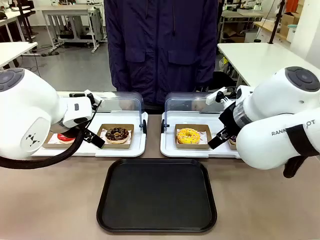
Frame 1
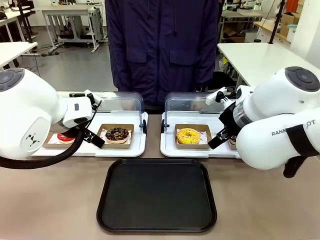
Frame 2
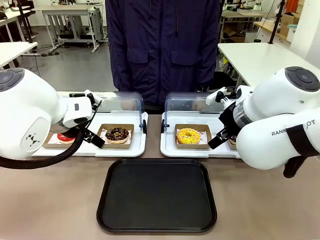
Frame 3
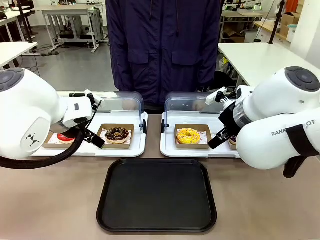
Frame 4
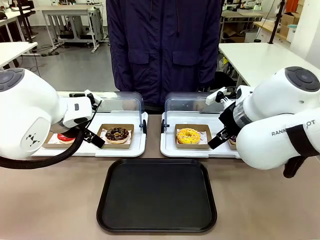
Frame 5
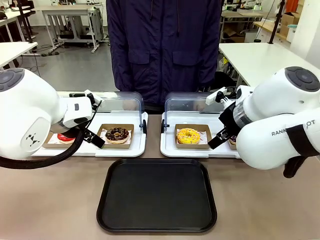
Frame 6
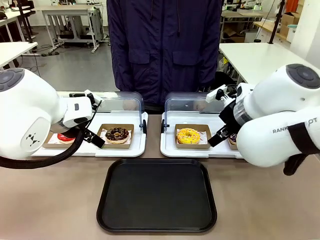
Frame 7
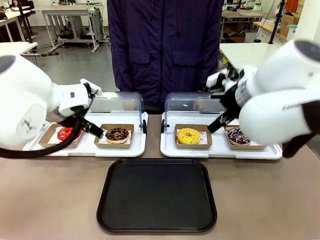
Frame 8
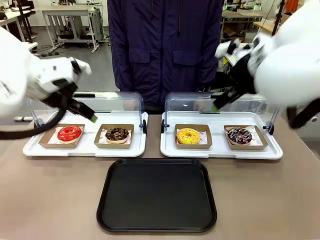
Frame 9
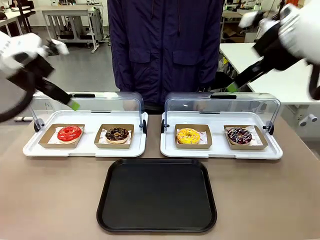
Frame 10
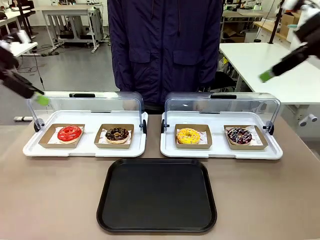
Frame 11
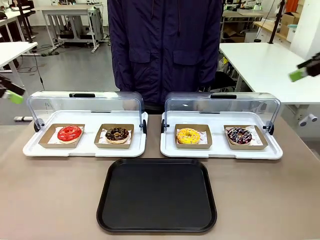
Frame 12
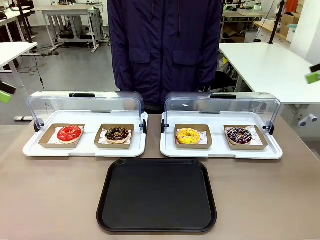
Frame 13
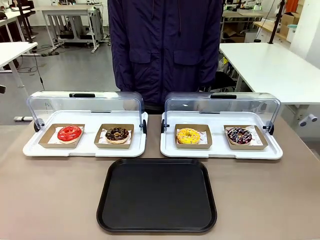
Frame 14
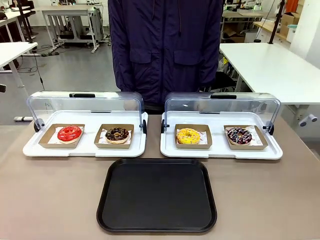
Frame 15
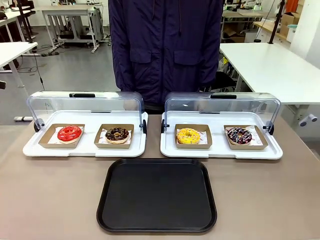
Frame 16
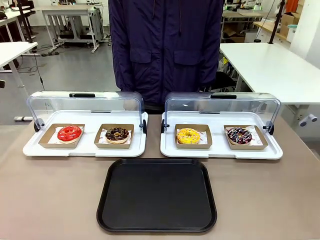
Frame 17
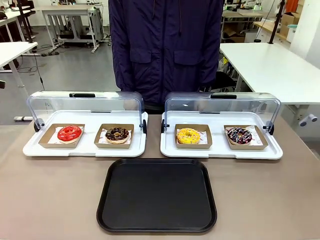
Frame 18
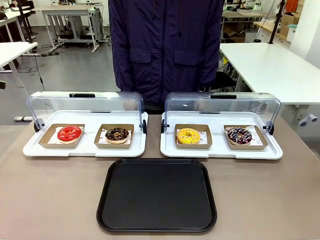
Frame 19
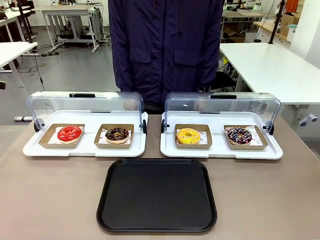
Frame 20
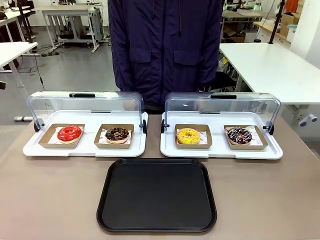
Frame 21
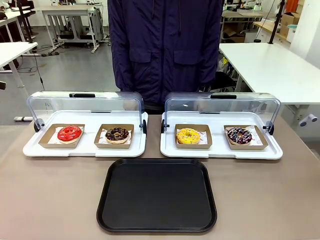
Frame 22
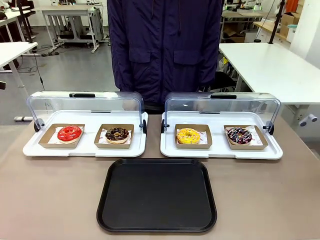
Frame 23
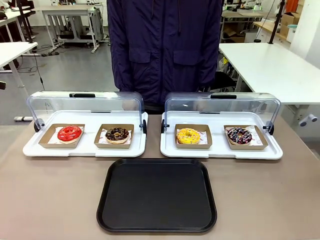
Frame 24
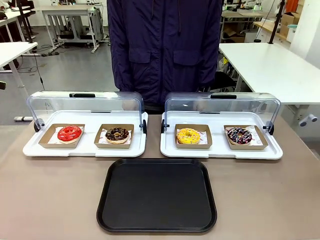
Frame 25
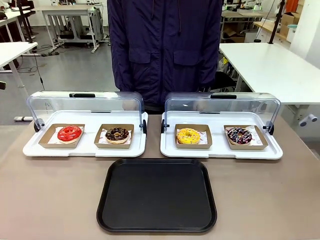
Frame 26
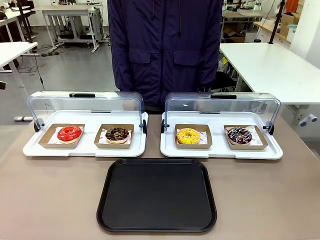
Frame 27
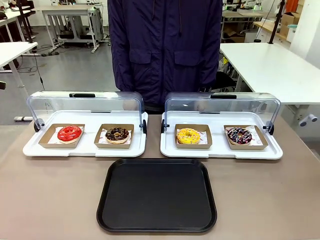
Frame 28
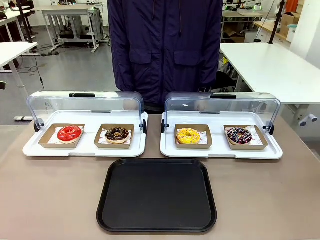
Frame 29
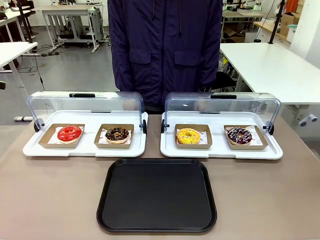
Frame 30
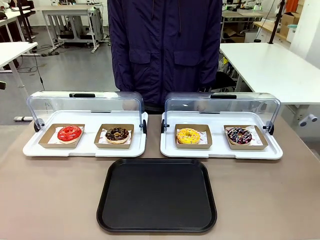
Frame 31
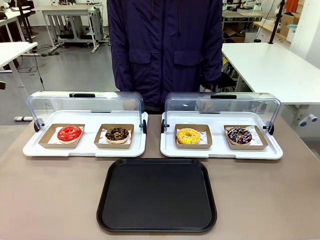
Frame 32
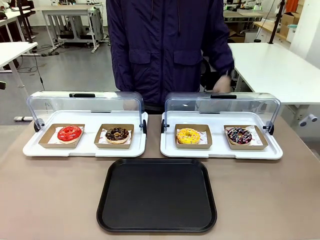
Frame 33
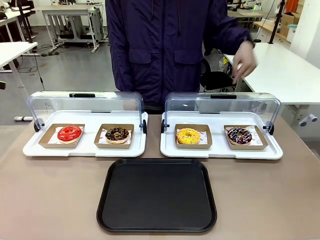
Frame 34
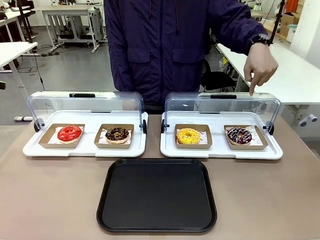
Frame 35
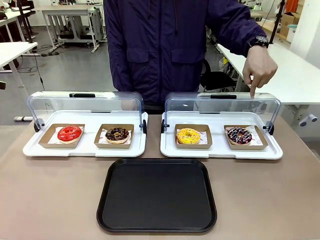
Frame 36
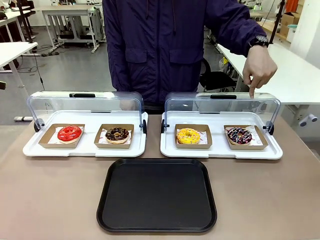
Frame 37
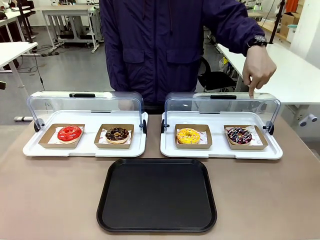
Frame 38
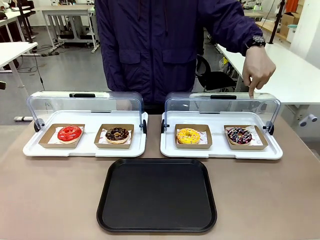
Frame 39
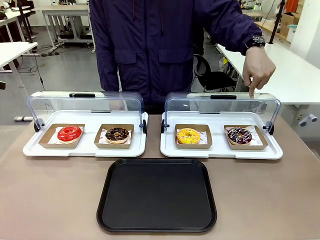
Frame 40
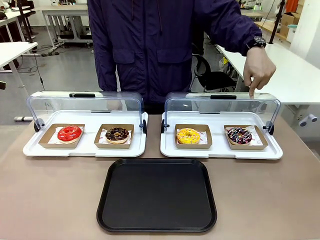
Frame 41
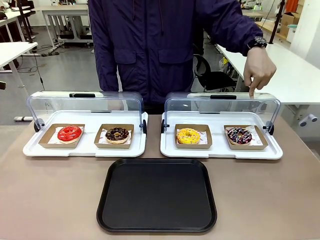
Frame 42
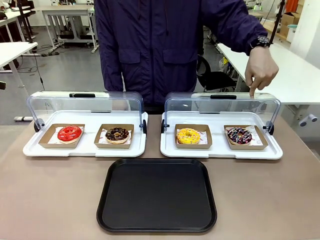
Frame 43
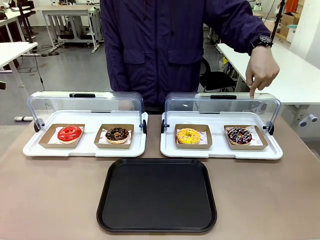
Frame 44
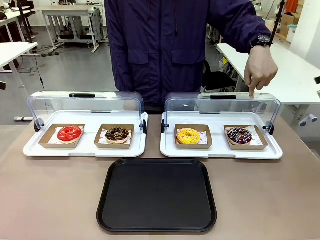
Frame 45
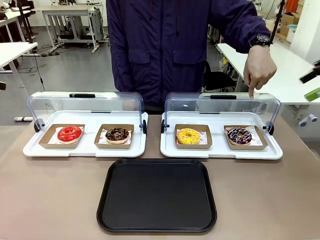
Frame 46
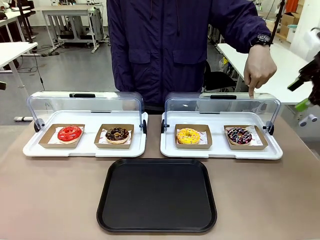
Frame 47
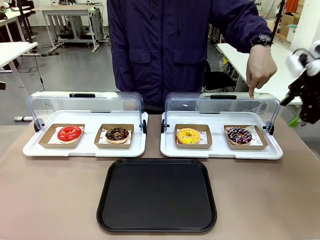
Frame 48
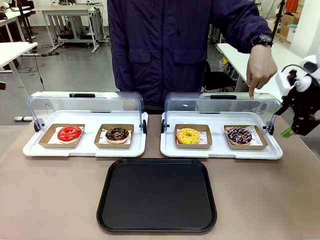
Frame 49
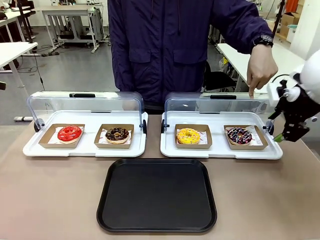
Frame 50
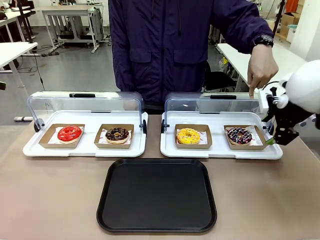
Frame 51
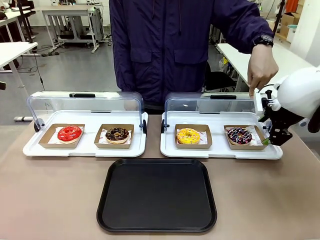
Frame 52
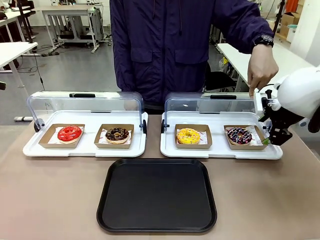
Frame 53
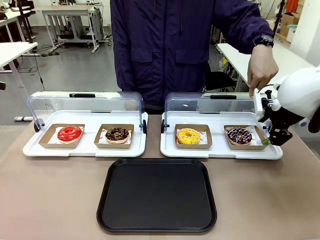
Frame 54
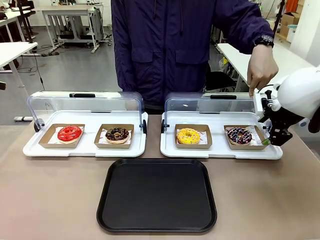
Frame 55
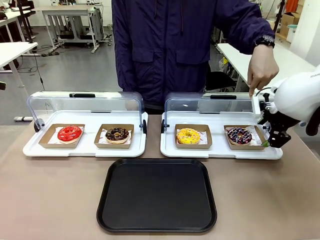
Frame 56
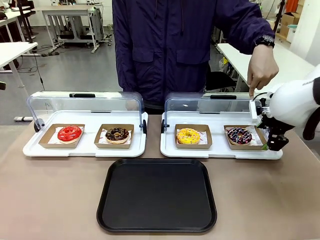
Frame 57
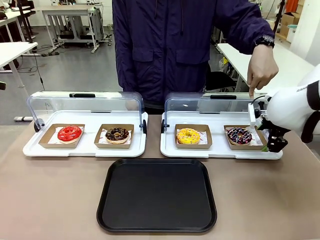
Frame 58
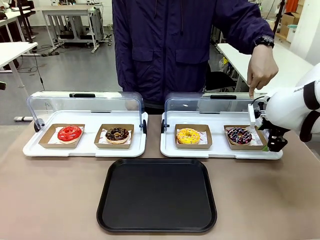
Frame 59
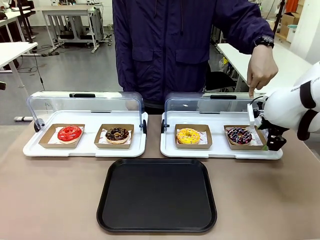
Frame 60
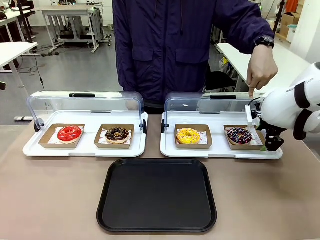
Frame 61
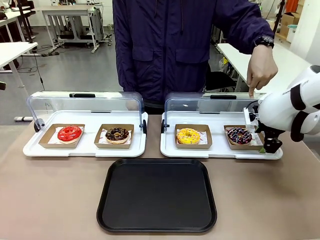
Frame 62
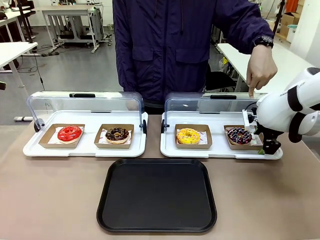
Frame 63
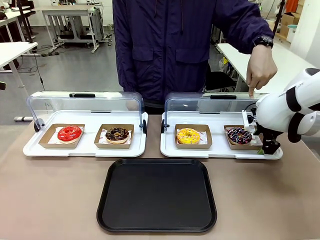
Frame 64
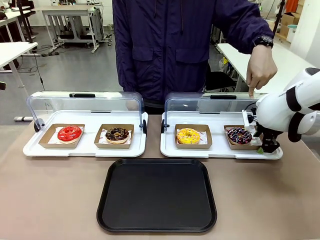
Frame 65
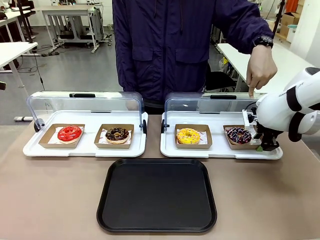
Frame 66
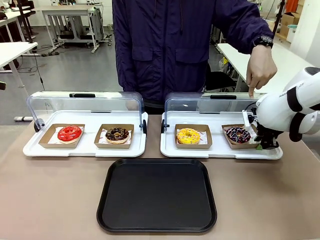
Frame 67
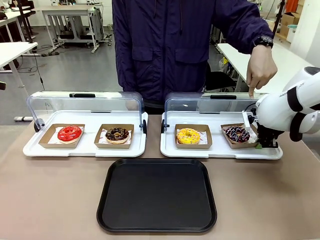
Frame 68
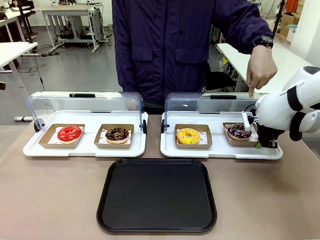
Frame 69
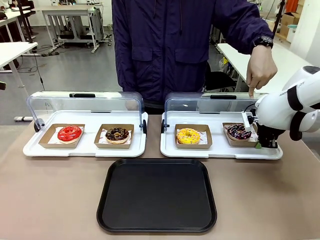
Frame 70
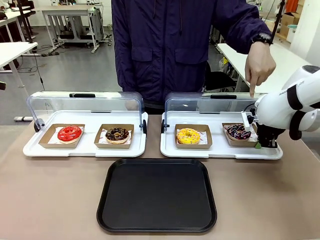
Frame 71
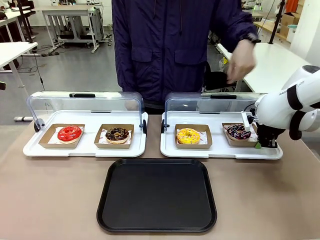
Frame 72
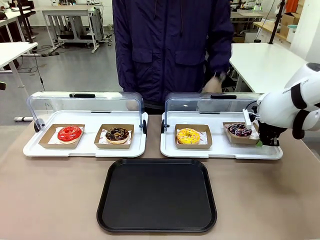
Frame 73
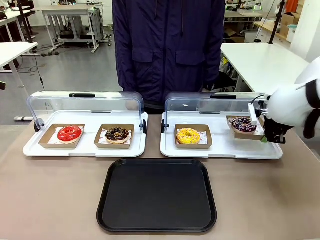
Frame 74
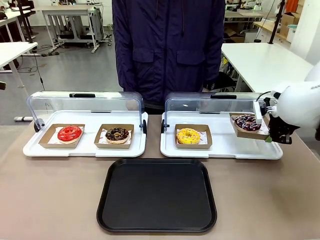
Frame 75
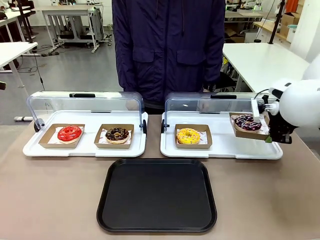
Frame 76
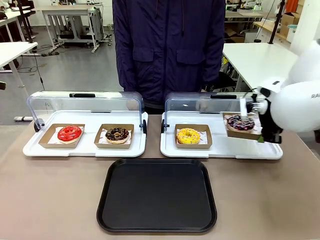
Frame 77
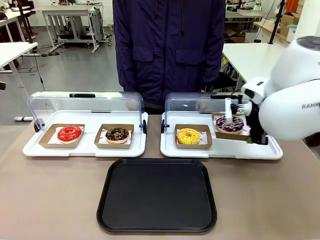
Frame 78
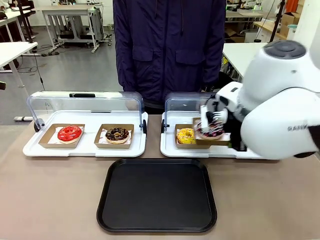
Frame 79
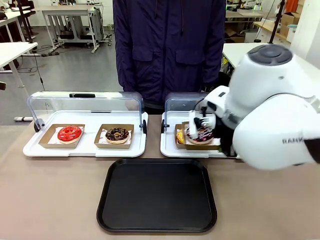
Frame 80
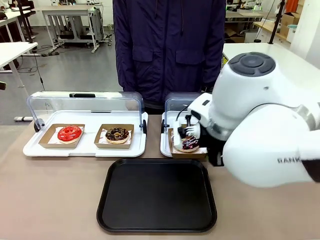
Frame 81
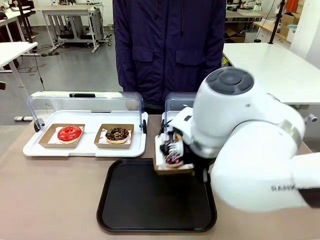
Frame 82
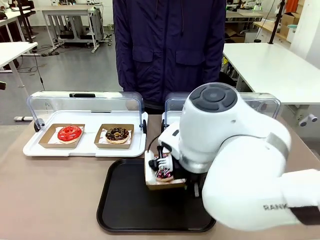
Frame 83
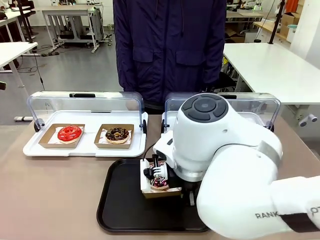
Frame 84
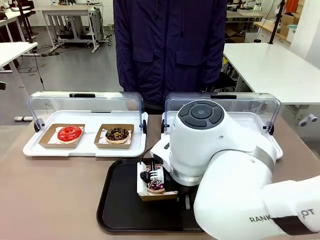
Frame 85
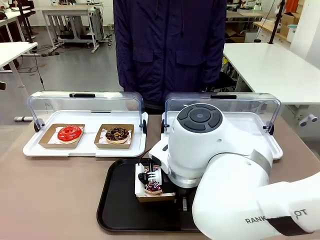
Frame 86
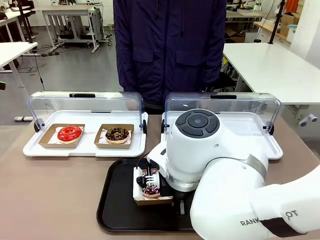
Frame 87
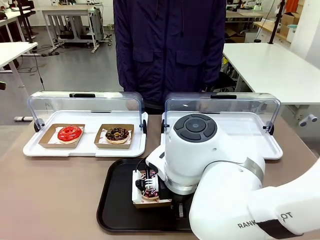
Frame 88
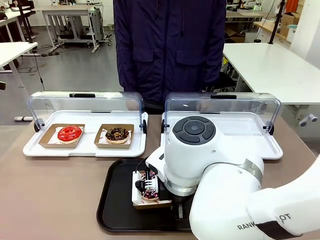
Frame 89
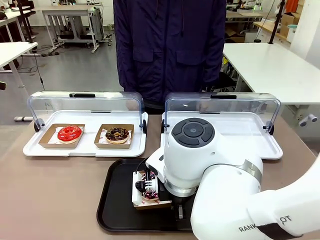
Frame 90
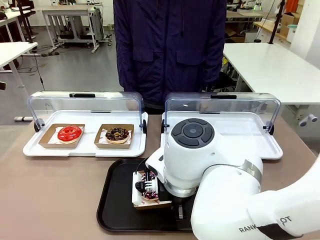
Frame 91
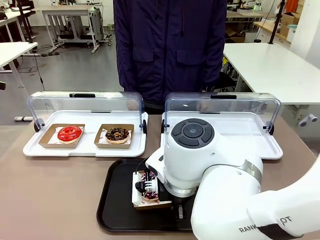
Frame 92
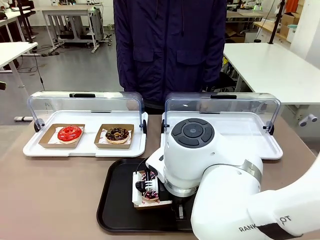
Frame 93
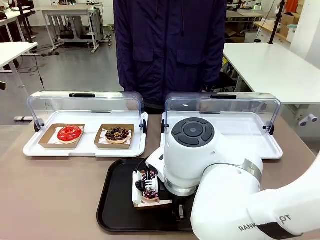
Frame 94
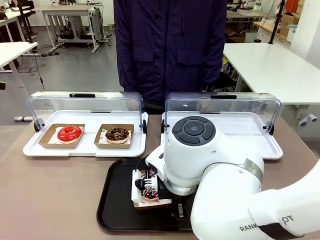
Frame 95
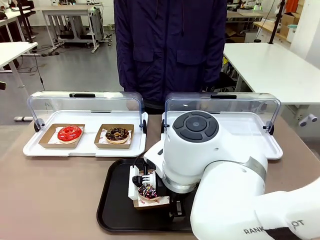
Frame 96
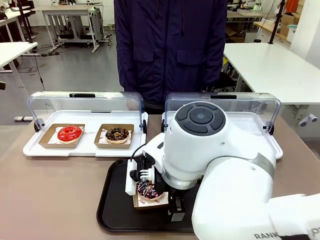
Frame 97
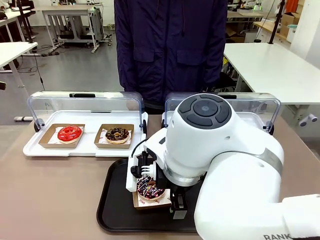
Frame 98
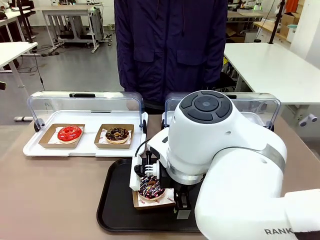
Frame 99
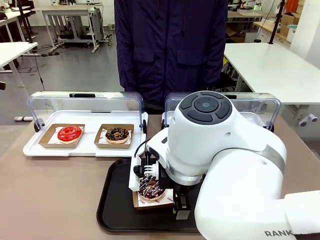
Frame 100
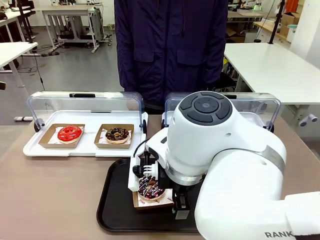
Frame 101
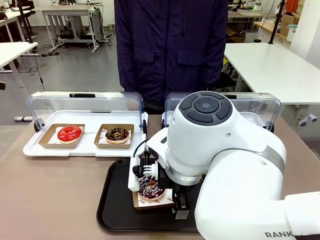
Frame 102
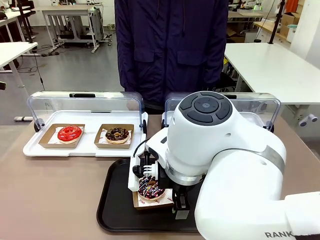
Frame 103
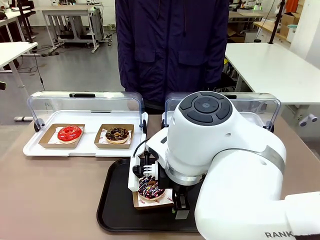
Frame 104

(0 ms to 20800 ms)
Task: Move the fourth donut from the left to the tray.
Robot: Pick up the Paper togo box containing the Donut indicated by the person and place it on the Handle tray.
Person: Points to the fourth donut from the left from the robot’s perspective.
